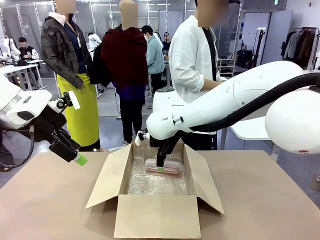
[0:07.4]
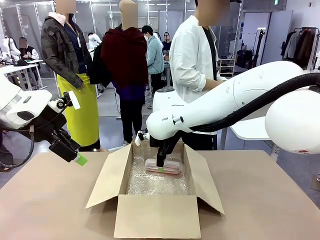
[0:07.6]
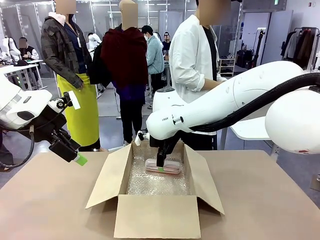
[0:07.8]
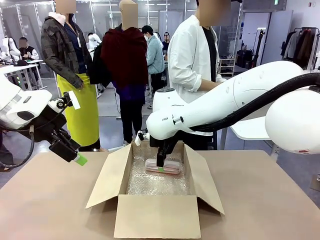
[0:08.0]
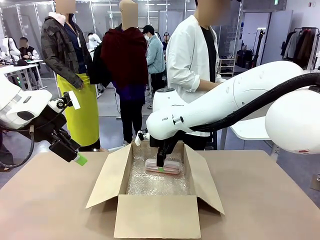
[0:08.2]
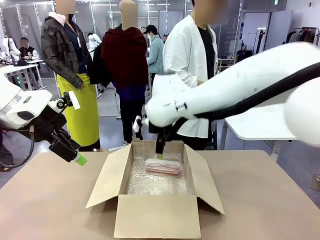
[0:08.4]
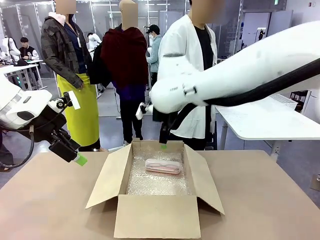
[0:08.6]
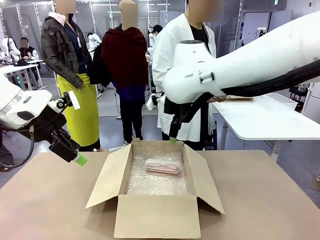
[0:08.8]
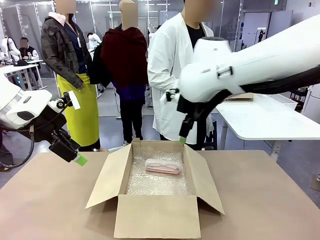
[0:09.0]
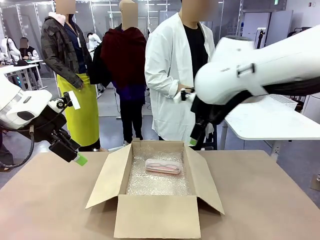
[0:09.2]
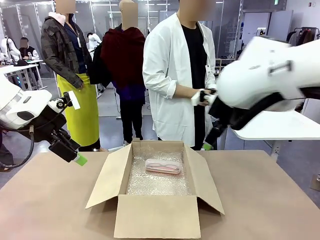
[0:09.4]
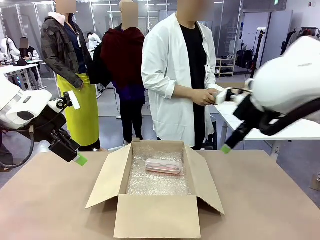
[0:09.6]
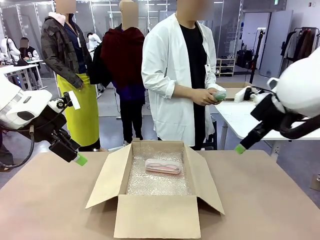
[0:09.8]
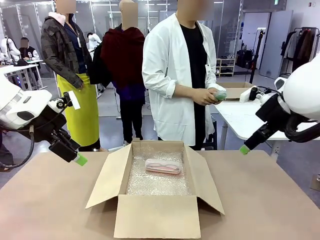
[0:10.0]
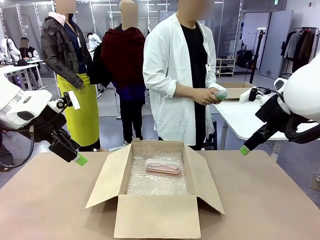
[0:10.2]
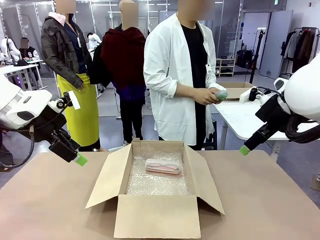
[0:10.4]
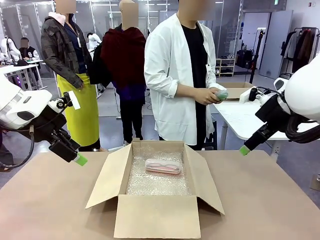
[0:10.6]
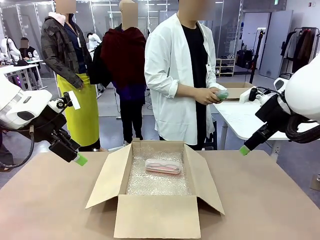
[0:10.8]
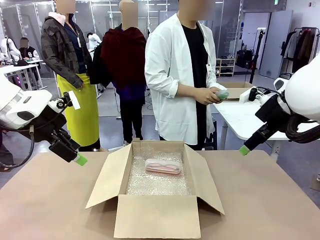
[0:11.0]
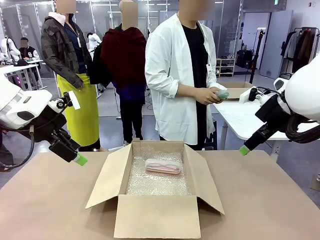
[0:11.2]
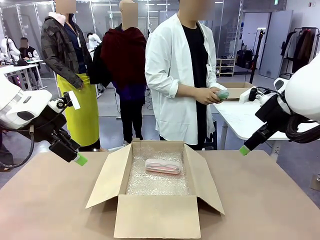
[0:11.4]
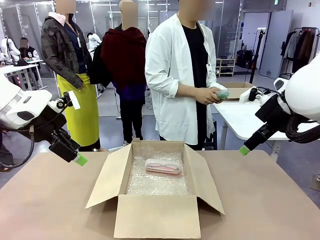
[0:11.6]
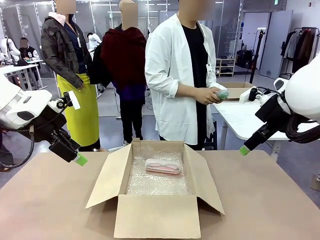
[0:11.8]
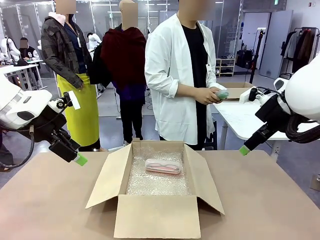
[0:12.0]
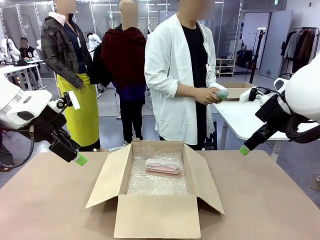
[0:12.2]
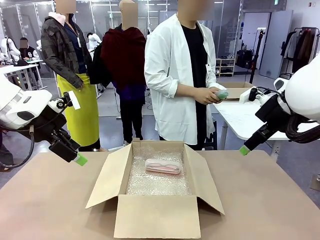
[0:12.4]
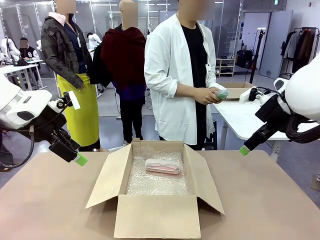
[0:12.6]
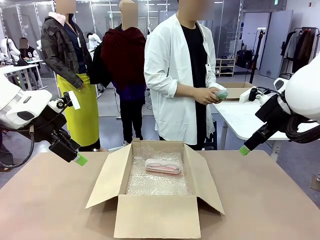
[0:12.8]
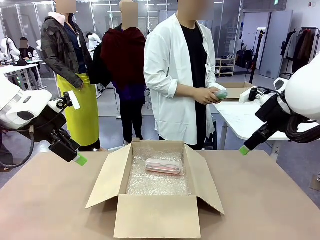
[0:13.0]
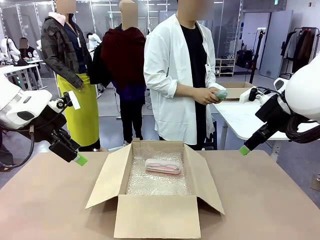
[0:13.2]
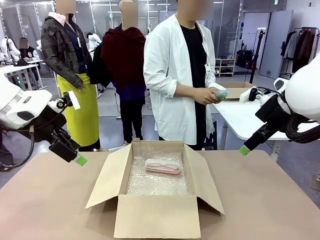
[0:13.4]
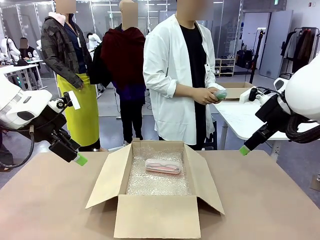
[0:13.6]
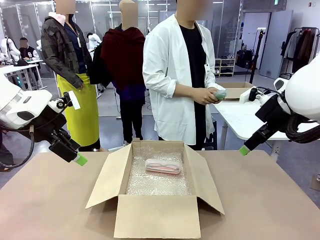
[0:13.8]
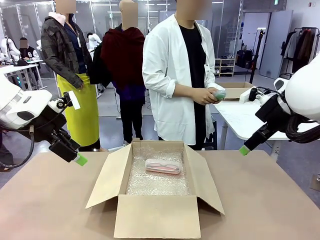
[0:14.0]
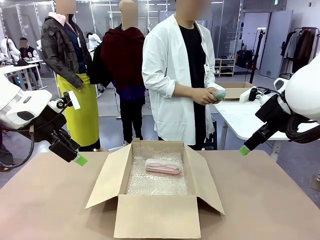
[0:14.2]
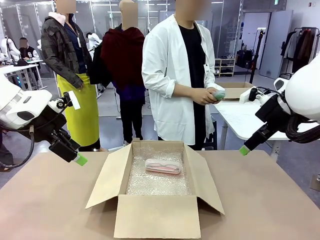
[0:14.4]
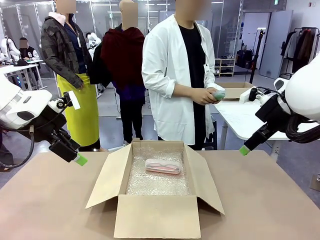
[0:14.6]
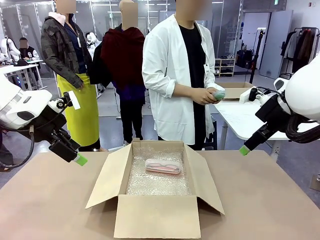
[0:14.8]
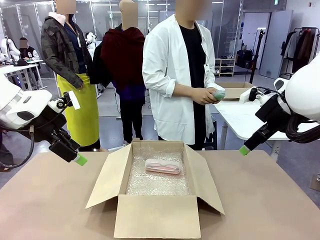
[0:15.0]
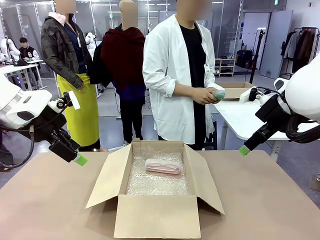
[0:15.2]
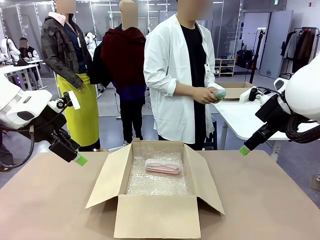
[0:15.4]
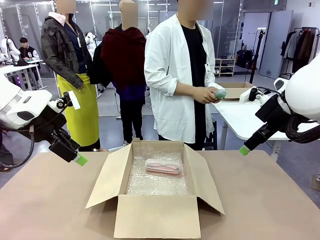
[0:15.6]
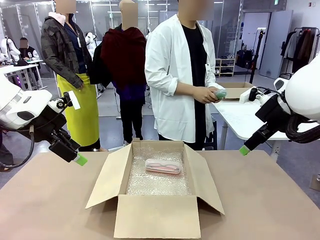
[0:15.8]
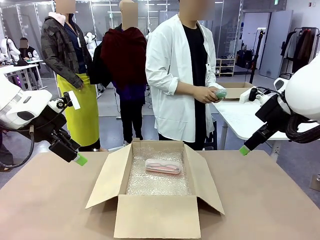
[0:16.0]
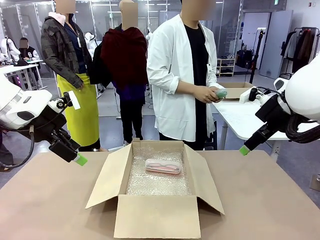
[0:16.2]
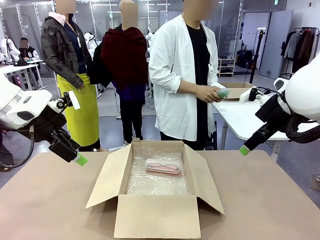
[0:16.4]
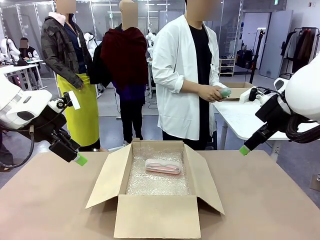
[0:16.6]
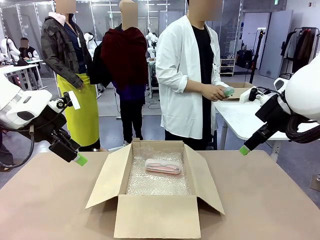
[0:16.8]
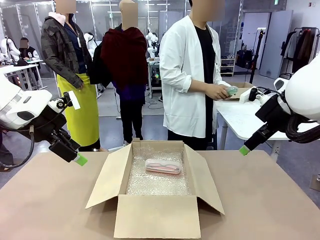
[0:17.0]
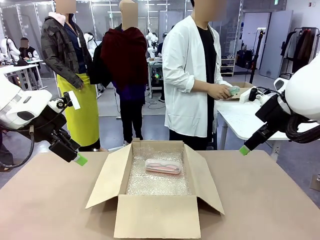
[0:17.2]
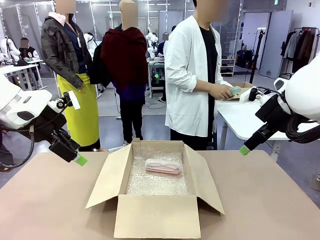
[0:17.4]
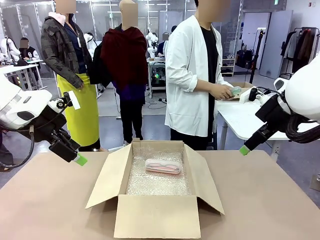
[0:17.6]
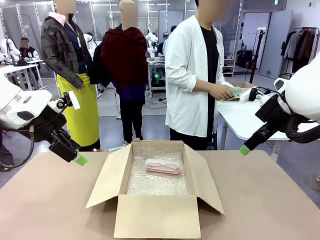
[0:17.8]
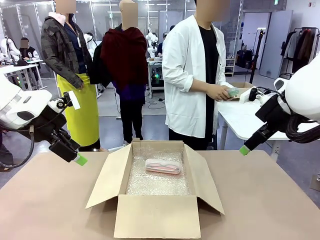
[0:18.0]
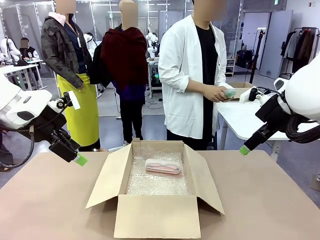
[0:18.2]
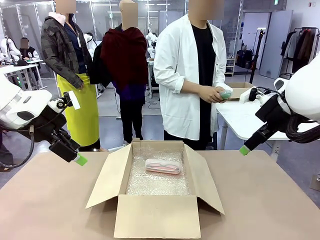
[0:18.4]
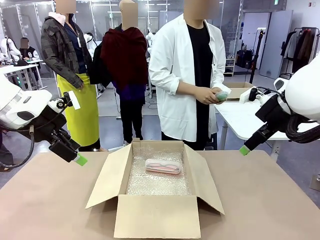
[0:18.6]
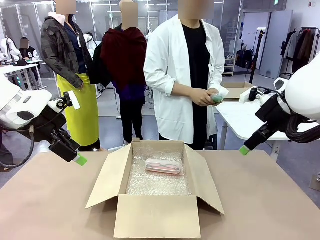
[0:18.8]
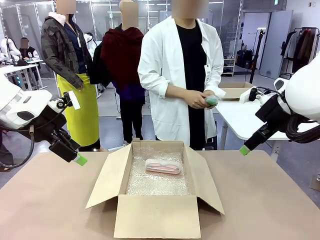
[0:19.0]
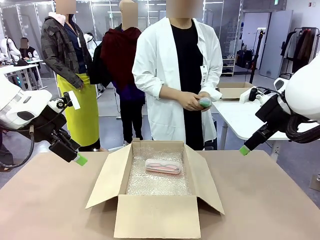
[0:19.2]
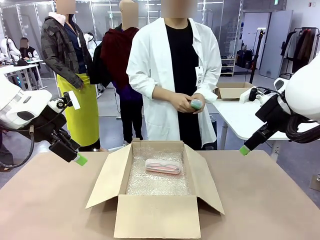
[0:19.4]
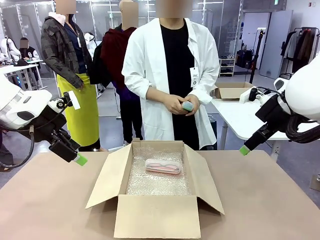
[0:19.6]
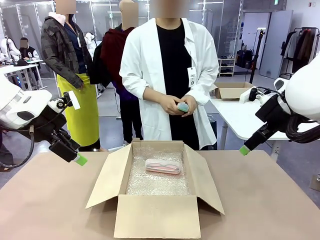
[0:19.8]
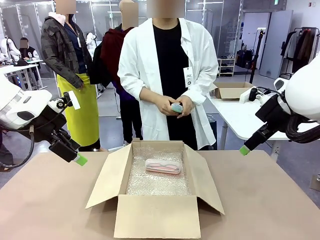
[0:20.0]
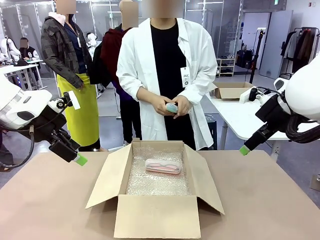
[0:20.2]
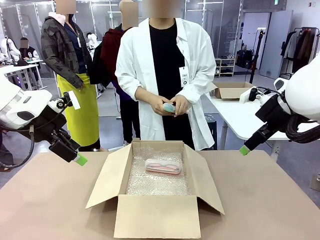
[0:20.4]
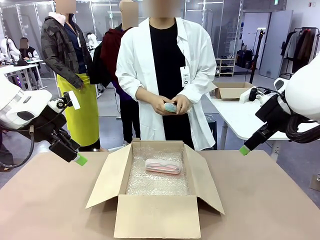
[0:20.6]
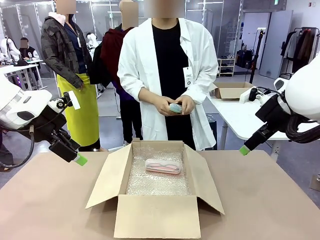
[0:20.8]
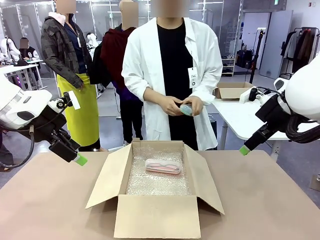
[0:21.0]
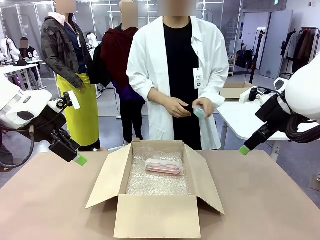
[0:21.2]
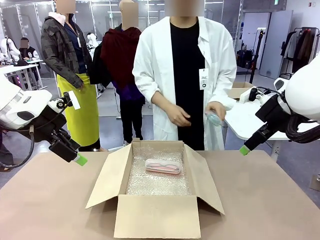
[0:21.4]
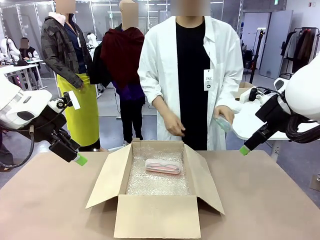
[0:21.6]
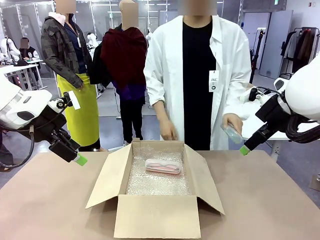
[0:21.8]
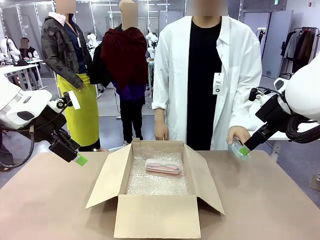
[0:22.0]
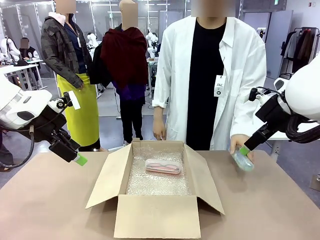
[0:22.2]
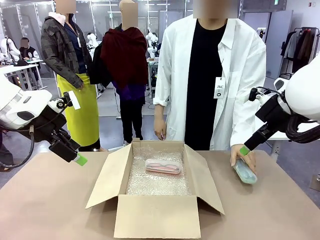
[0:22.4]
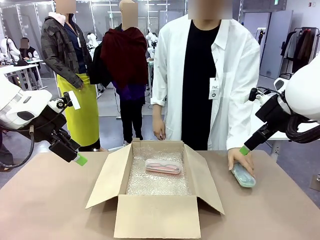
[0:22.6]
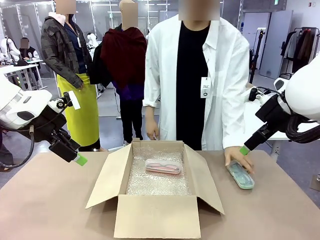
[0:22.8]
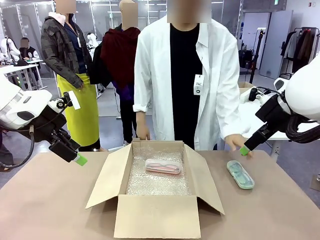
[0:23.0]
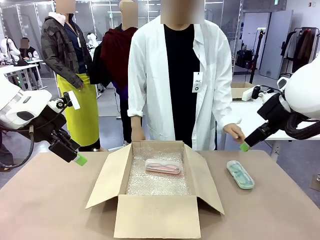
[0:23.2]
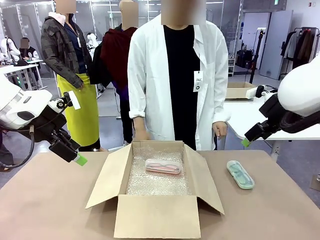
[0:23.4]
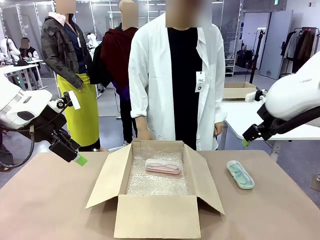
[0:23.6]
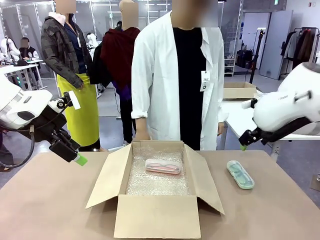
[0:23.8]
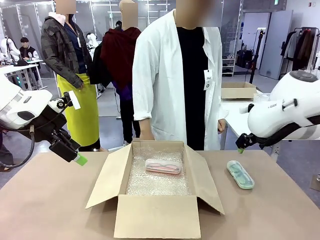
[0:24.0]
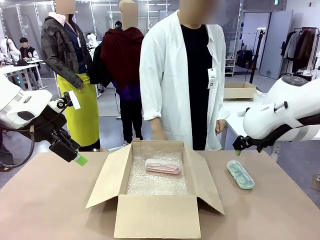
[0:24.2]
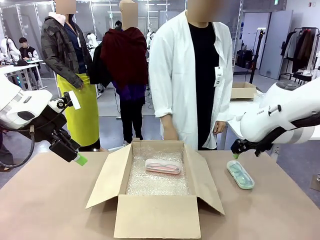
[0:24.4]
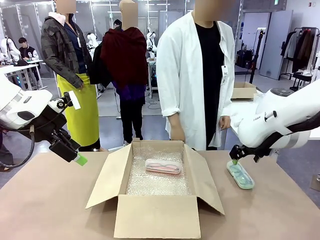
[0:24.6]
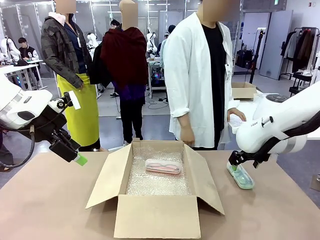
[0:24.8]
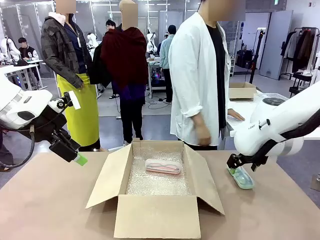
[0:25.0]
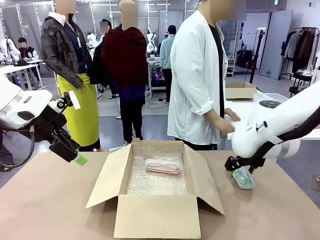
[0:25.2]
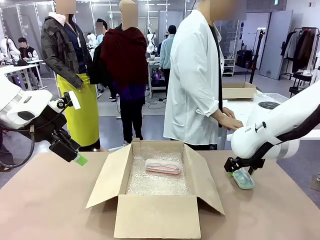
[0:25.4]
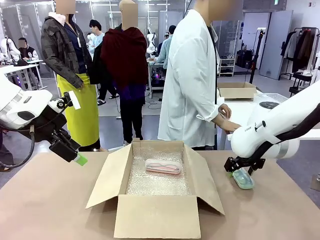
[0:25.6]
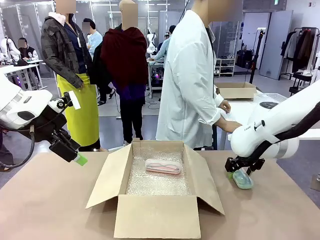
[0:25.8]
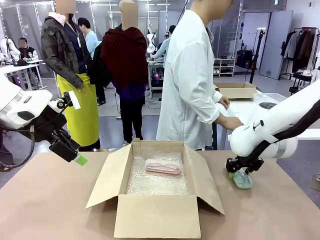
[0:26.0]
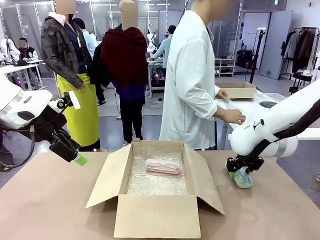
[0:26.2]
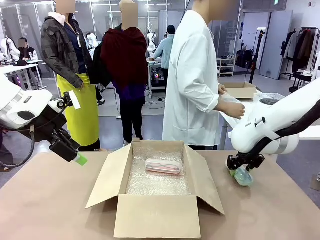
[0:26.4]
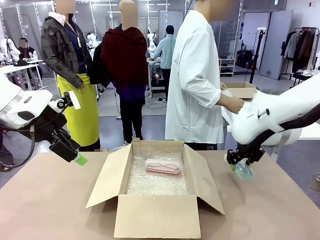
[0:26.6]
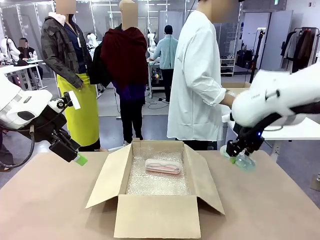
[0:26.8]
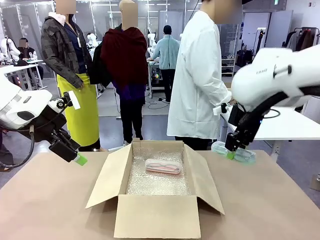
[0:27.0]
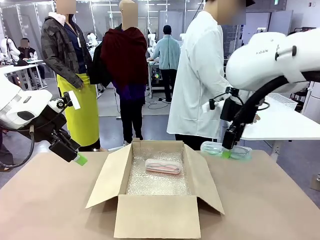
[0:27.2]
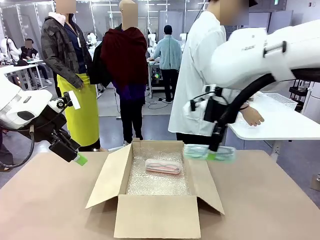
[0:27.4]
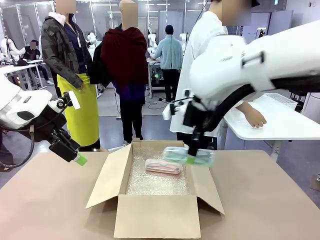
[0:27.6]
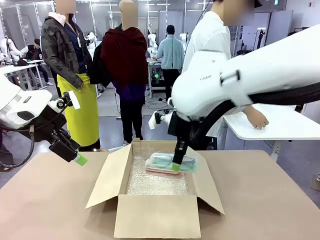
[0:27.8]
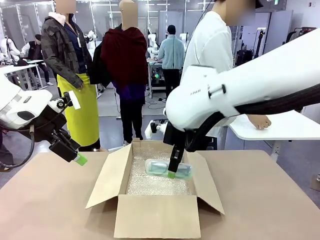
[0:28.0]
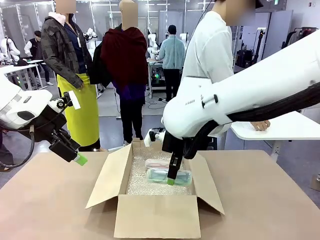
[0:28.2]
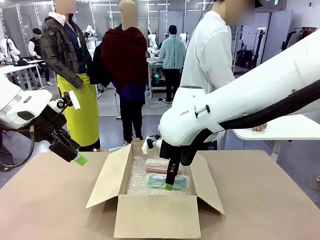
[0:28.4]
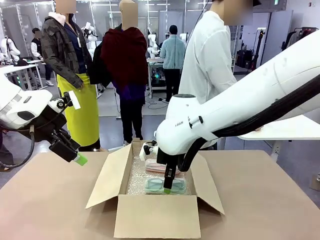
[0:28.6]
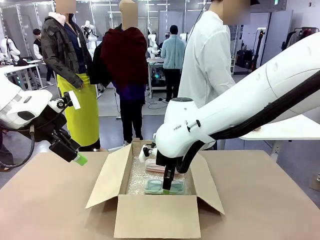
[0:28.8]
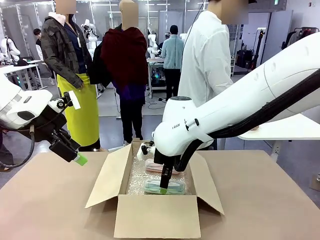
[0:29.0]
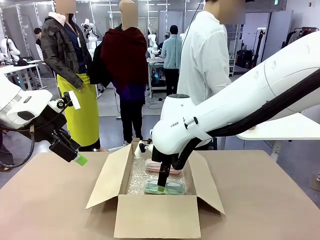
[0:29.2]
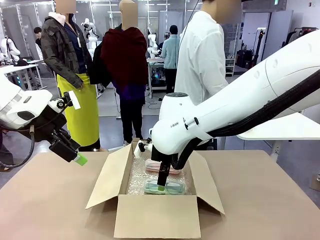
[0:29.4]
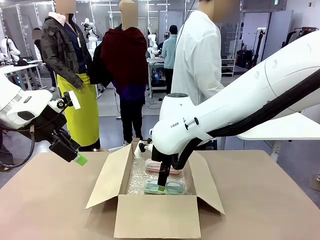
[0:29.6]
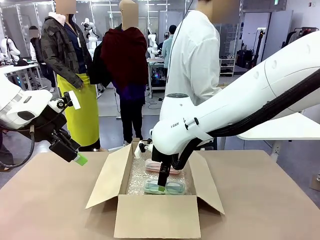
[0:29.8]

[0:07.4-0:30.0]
Task: Pack the glasses set securely to prepare it for shipping.
Robot: Put the Glasses case from the right side of the table into the Package Box.
Person: Position the Glasses case on the left side of the robot's table.
